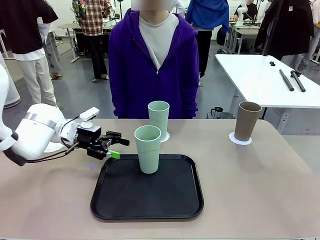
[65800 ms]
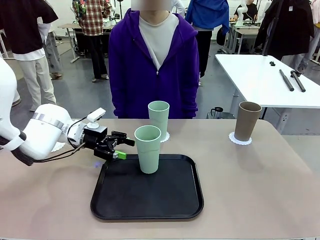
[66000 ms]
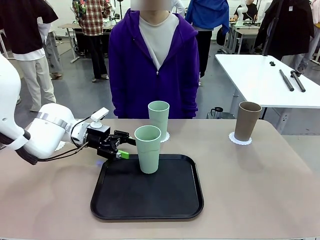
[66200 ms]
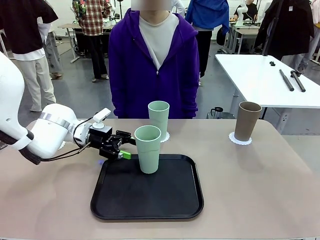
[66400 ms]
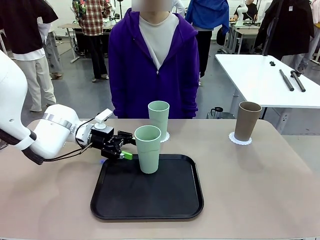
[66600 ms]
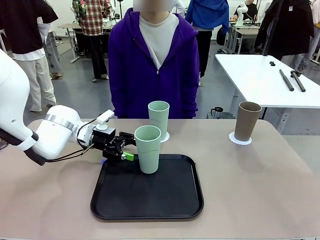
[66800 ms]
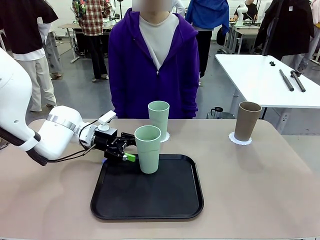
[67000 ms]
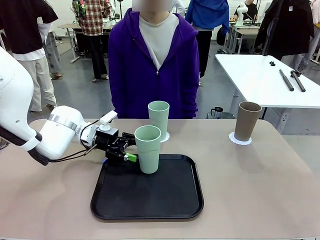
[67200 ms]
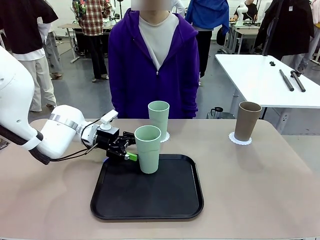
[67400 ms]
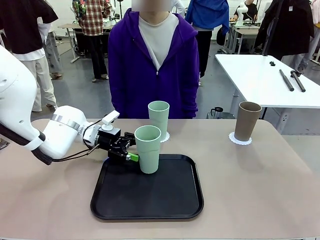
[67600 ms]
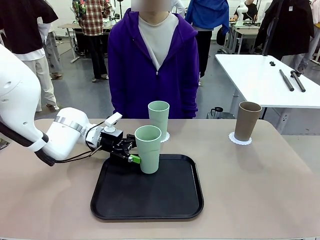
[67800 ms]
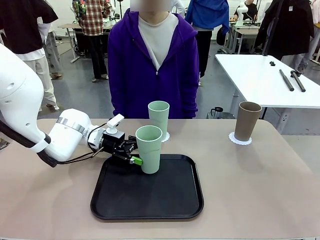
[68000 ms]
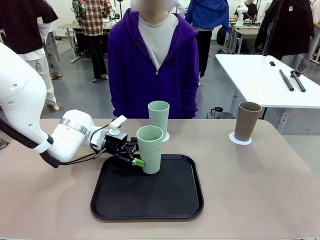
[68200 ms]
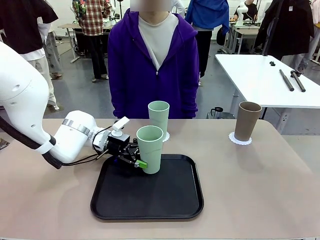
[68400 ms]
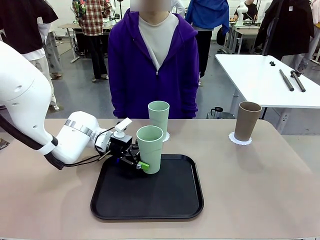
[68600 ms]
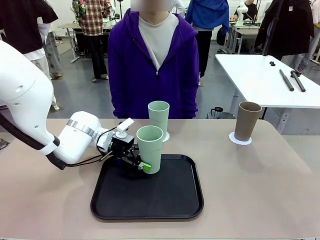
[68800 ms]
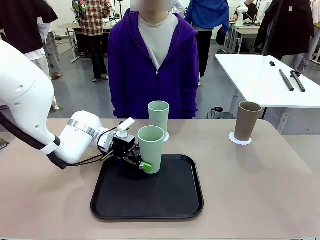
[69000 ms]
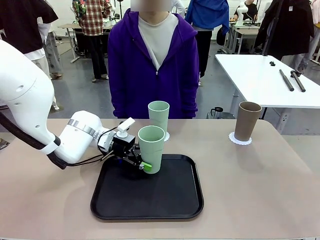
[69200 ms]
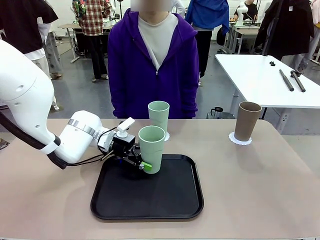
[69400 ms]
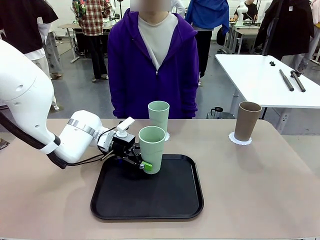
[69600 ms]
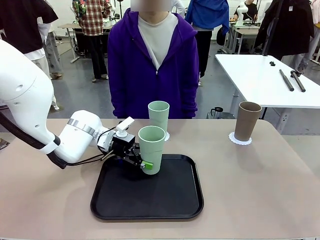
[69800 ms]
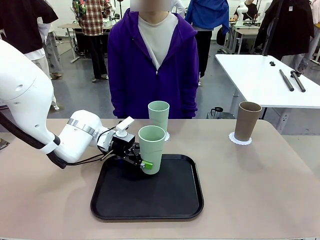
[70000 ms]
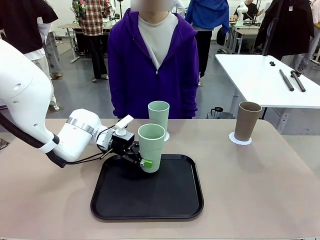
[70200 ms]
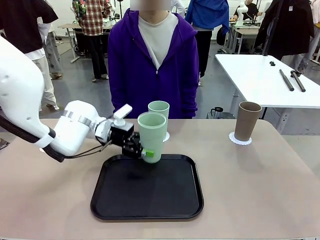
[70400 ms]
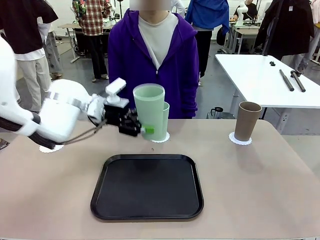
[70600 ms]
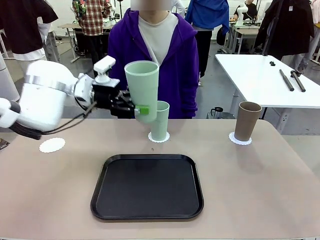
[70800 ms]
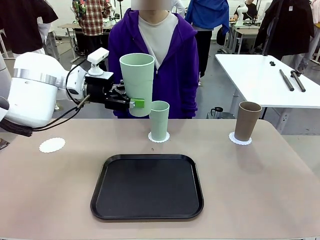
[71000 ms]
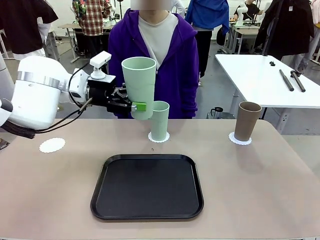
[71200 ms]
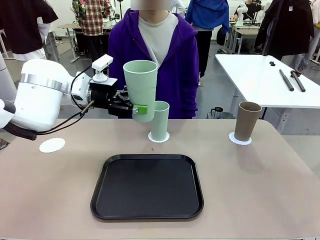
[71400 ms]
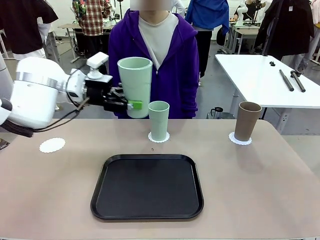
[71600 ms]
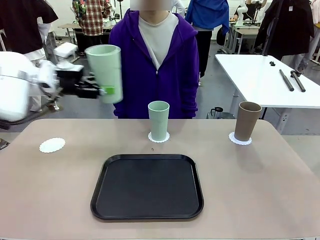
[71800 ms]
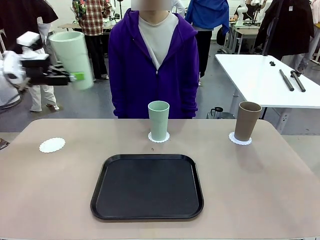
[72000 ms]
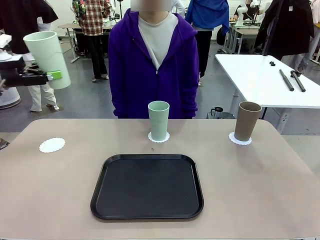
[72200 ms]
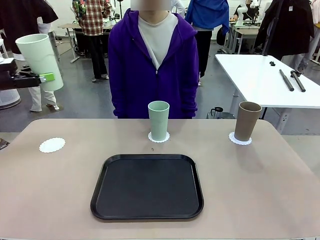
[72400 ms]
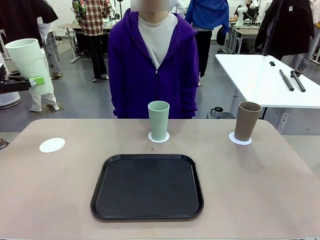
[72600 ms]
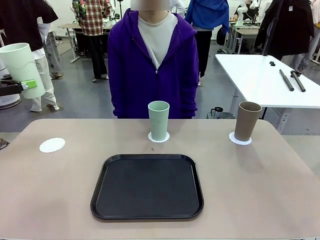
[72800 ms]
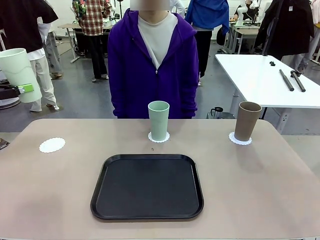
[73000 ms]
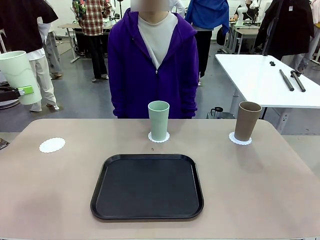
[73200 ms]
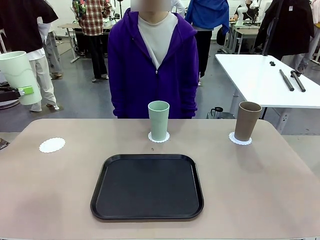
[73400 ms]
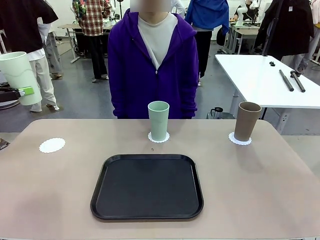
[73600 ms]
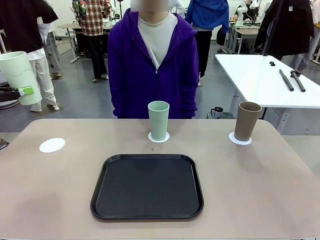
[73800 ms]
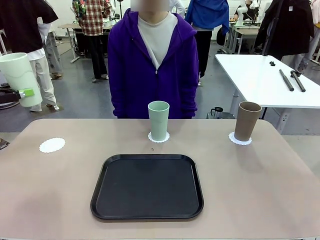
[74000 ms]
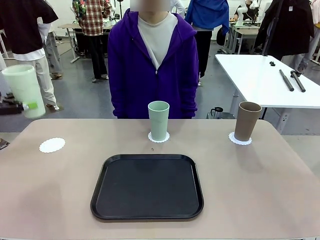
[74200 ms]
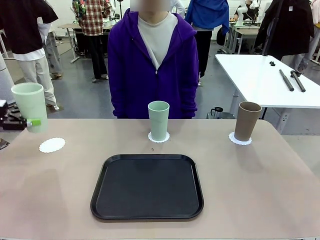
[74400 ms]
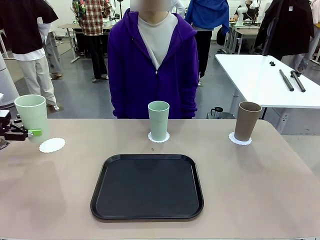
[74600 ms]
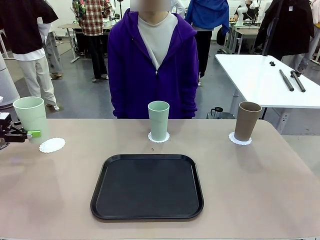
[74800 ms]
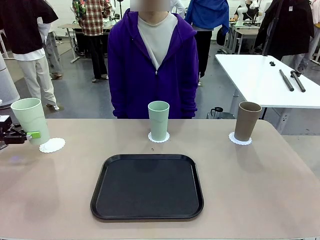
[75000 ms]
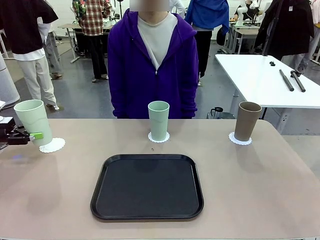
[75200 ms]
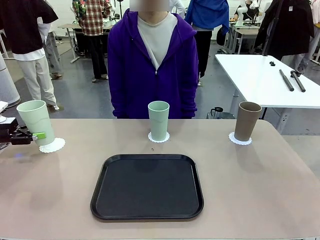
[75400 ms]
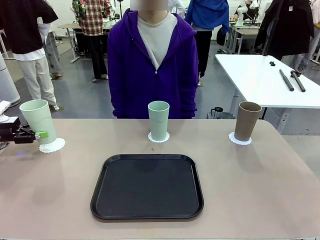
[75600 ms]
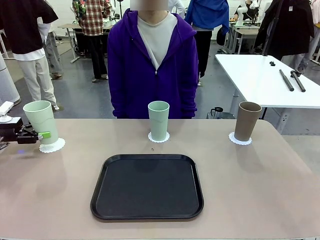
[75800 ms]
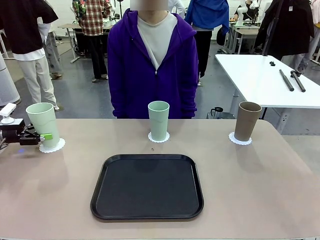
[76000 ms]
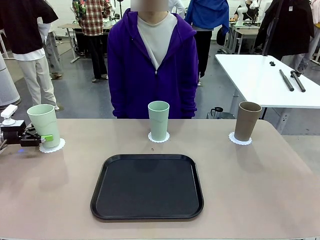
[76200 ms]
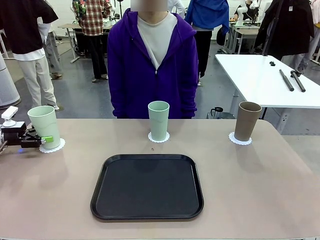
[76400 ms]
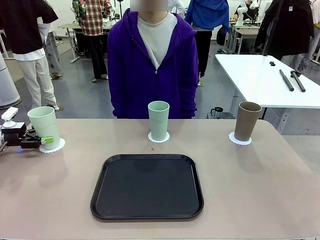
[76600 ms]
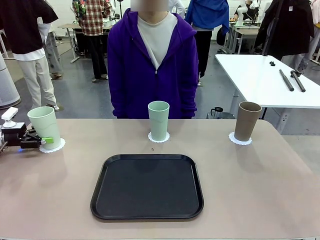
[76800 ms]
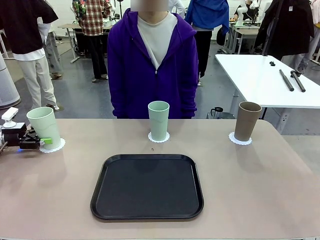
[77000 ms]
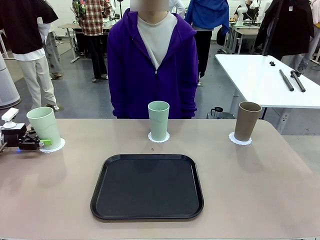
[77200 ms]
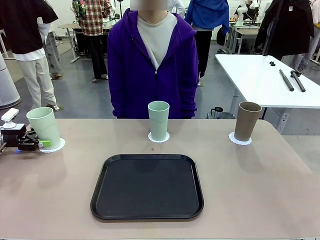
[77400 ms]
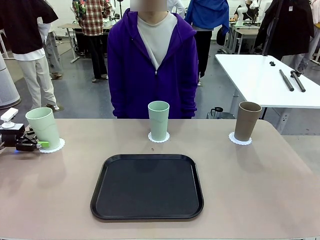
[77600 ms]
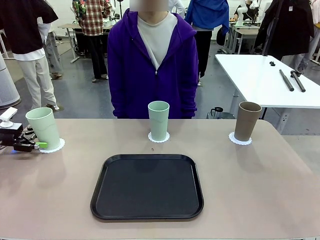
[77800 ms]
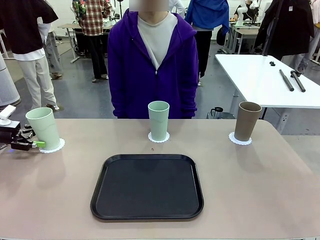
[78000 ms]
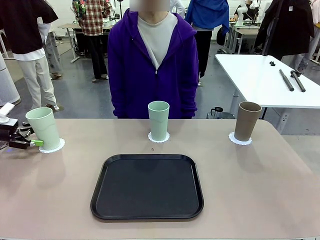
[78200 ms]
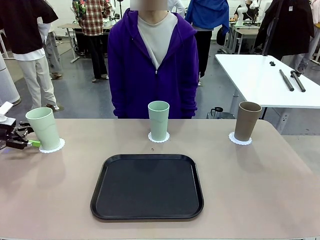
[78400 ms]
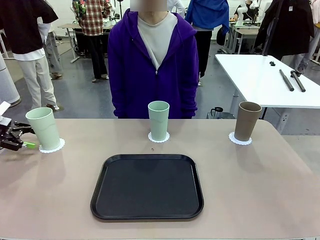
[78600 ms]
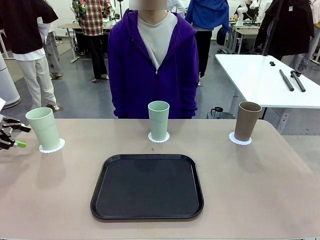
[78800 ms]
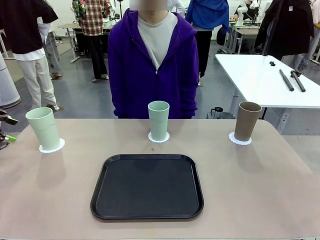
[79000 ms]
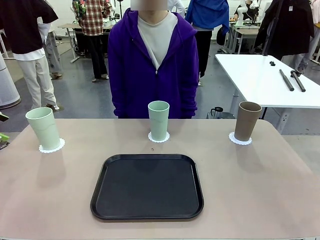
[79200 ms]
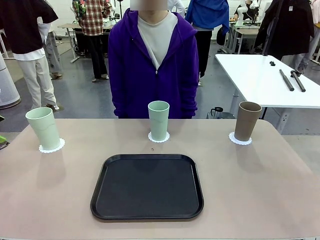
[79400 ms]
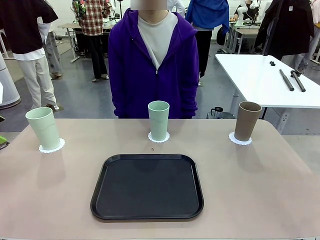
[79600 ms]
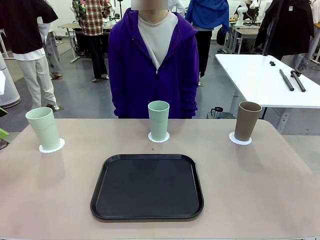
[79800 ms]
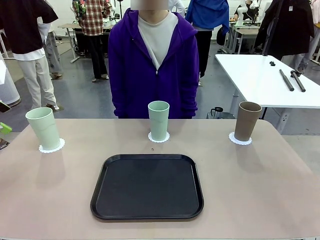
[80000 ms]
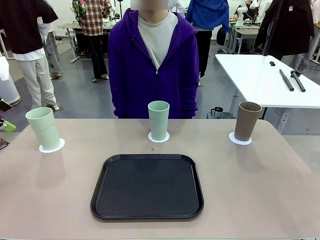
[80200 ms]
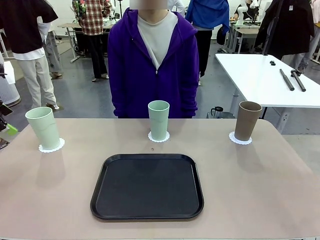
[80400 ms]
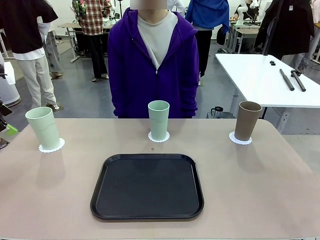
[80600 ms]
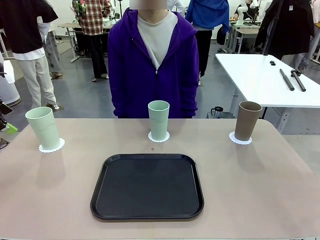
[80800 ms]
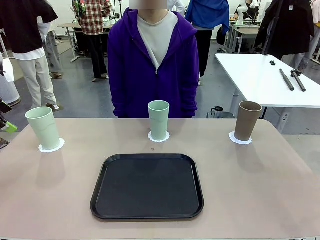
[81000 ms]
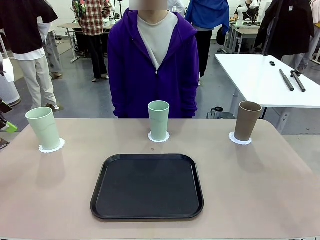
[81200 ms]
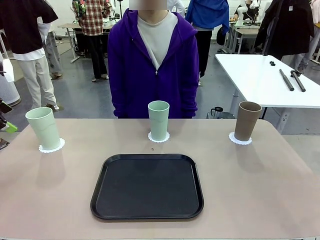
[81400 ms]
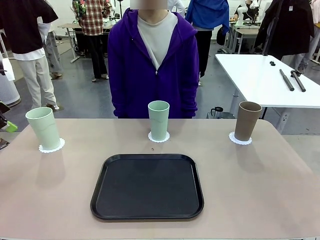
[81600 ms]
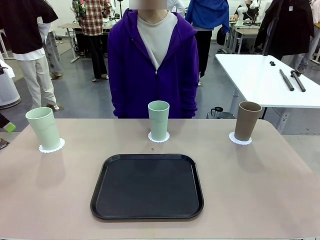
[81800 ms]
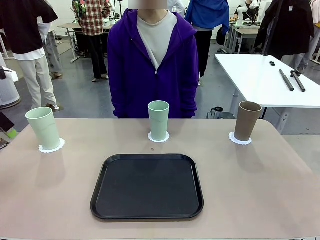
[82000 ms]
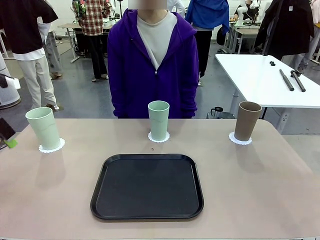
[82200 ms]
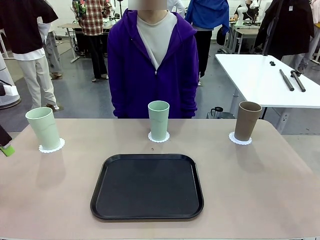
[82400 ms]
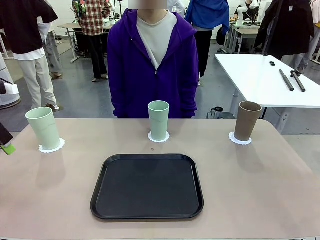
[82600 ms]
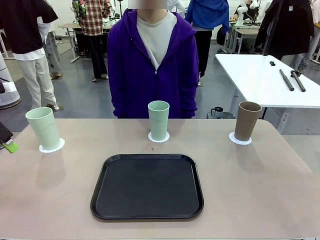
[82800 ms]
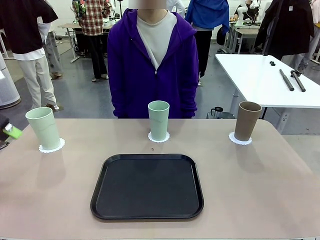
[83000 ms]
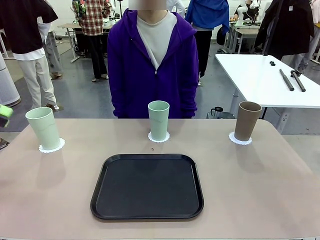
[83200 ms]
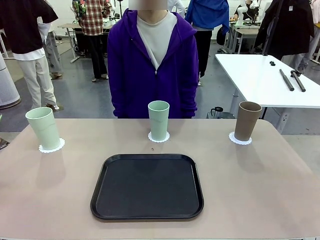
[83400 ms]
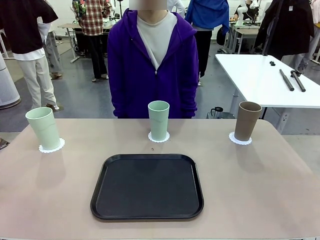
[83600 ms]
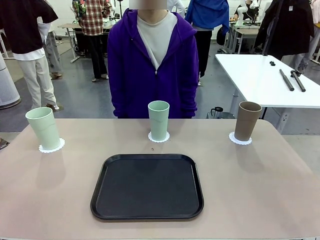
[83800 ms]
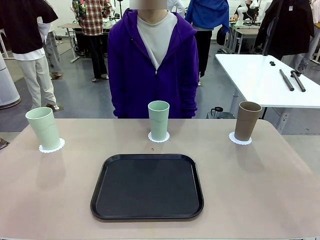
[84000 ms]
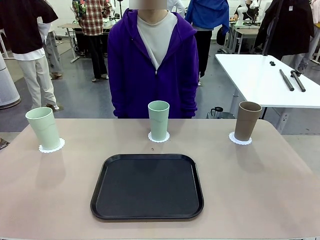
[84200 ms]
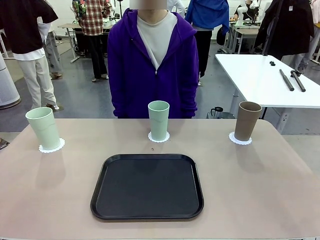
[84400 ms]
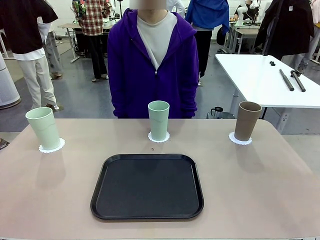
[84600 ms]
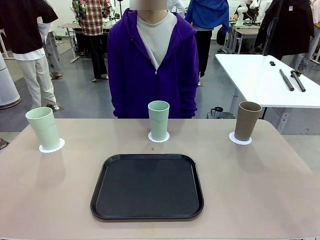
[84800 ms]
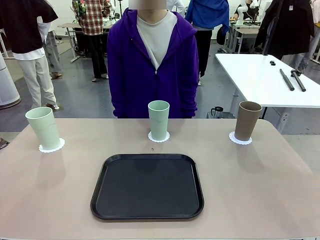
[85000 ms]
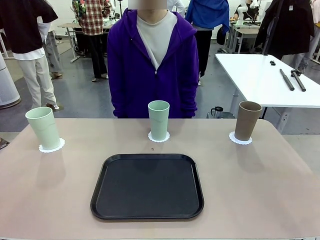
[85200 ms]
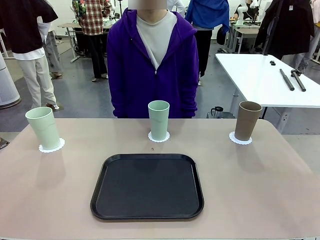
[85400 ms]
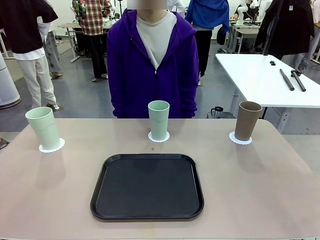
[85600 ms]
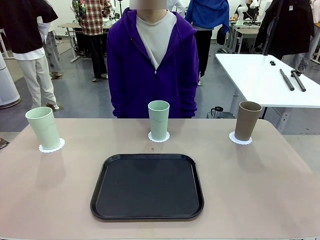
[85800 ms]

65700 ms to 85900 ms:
Task: Place coasters on the table and set cups on them.
Robot: Take one Reusable plastic cup from the Flat Tray and place it on a coaster set by the human.
